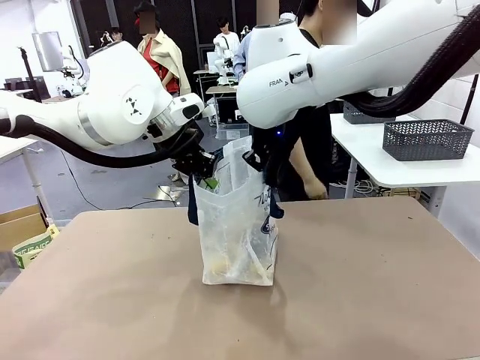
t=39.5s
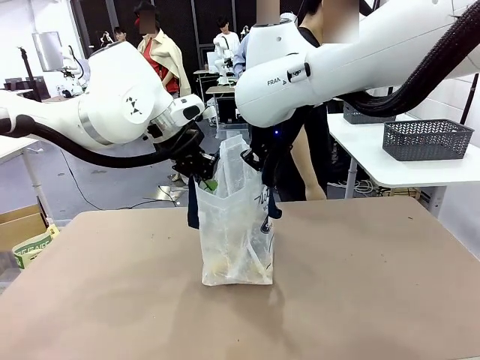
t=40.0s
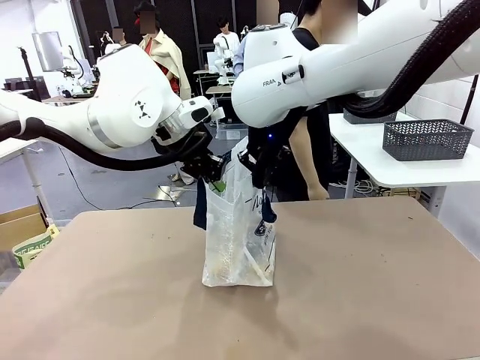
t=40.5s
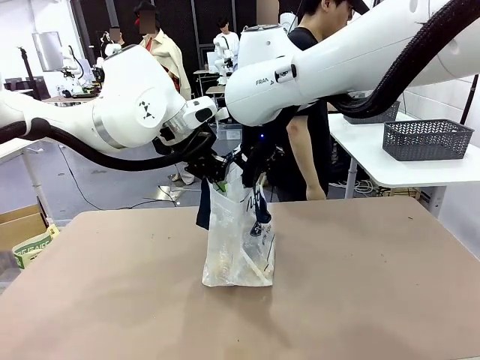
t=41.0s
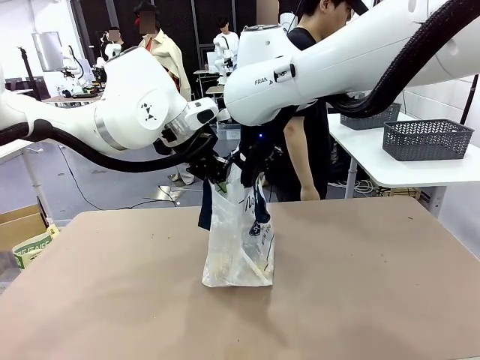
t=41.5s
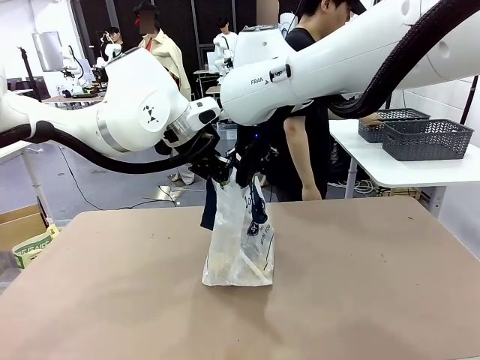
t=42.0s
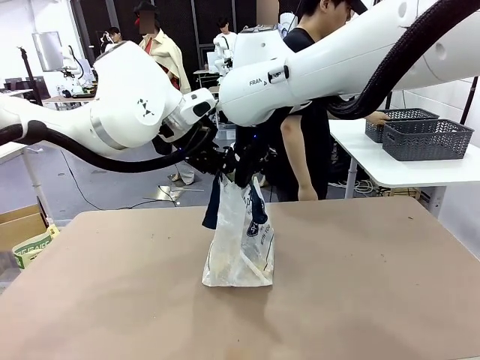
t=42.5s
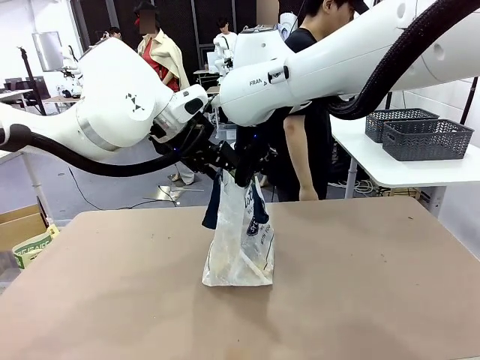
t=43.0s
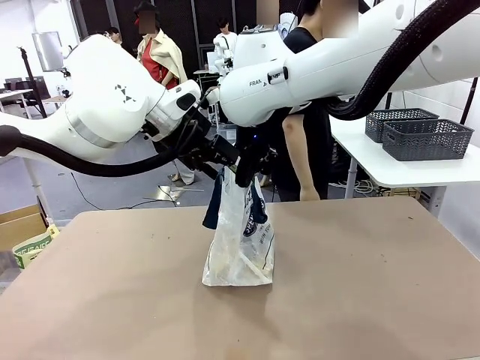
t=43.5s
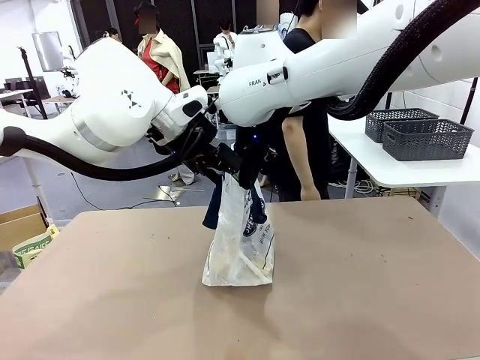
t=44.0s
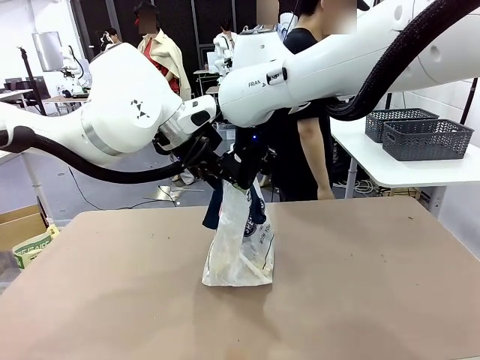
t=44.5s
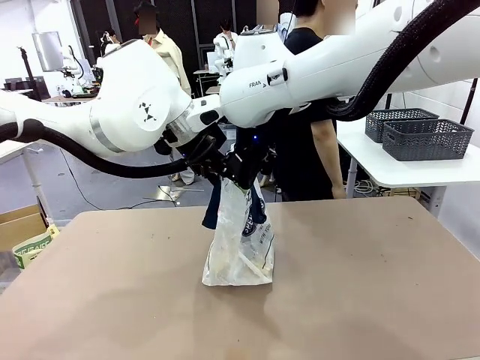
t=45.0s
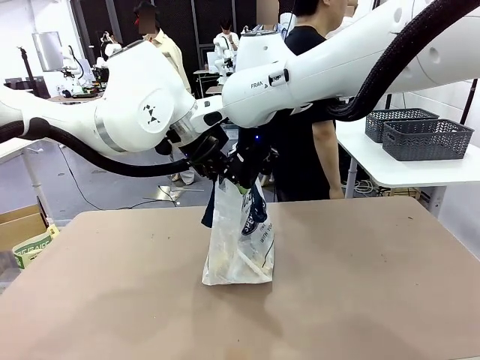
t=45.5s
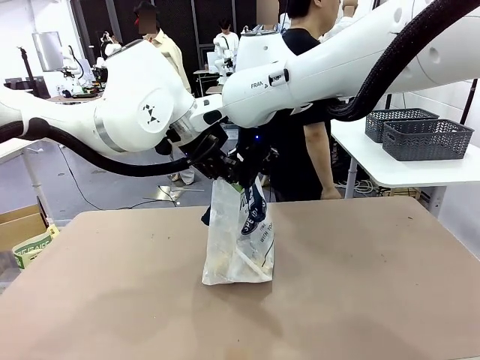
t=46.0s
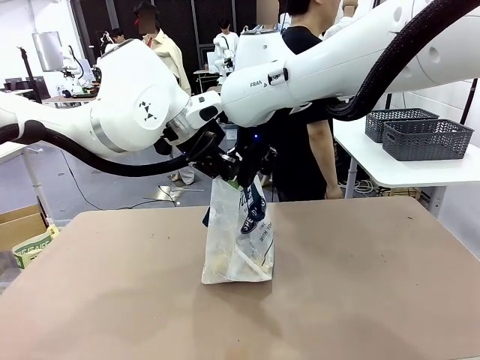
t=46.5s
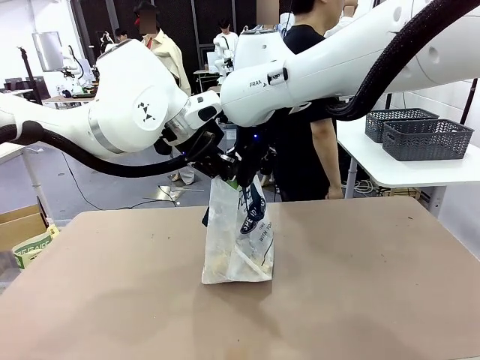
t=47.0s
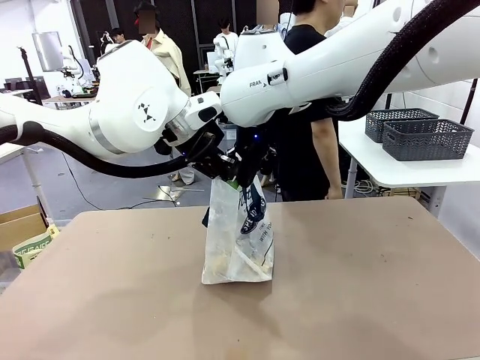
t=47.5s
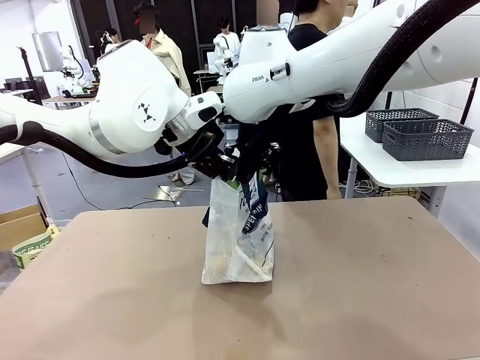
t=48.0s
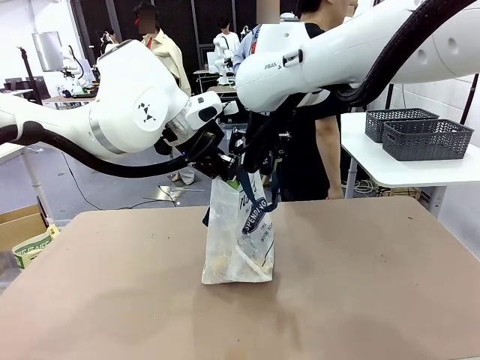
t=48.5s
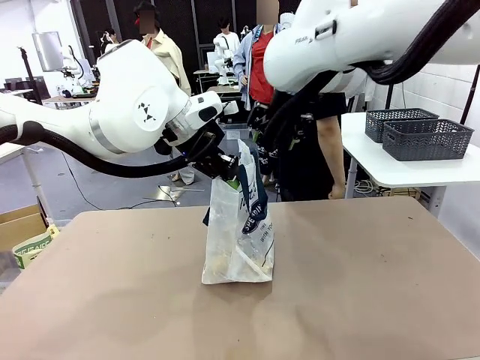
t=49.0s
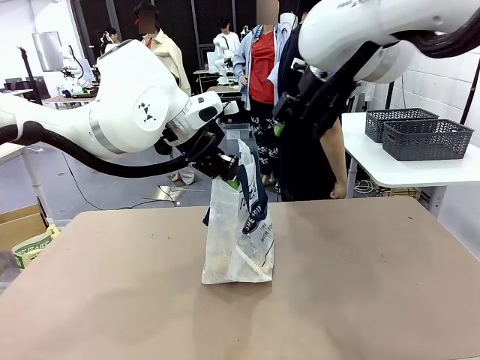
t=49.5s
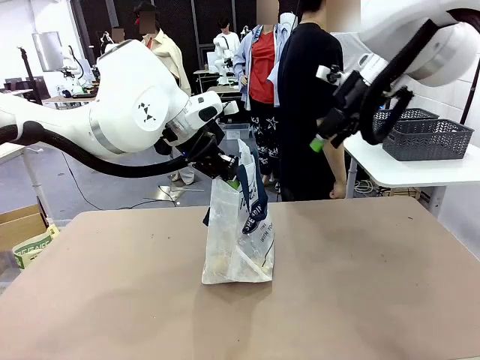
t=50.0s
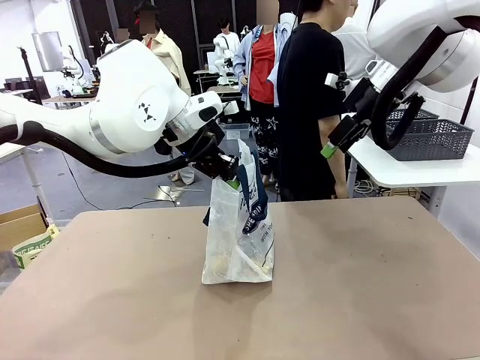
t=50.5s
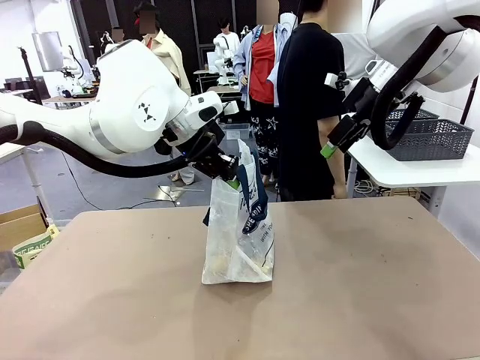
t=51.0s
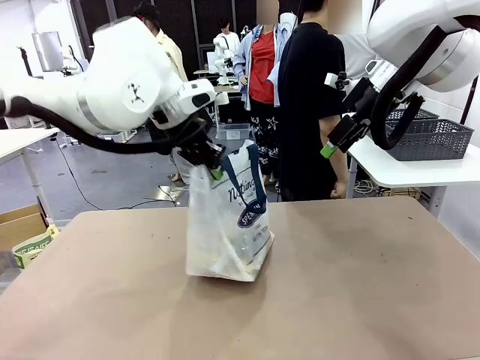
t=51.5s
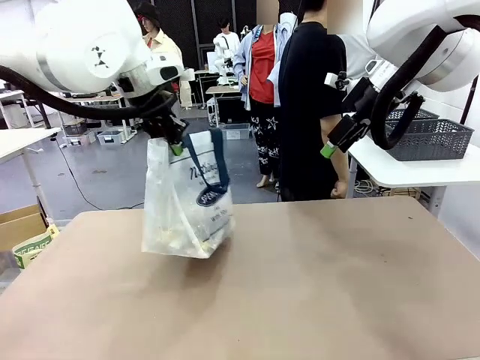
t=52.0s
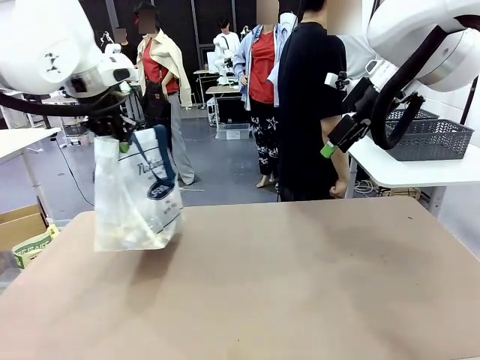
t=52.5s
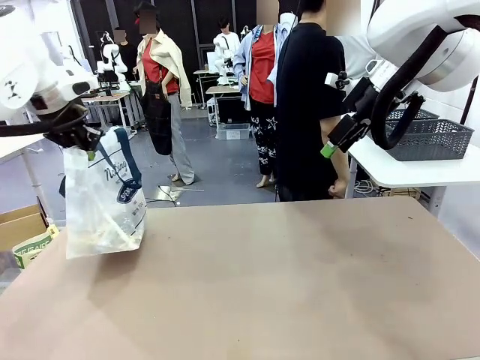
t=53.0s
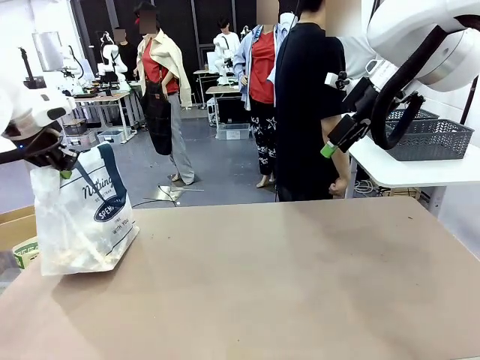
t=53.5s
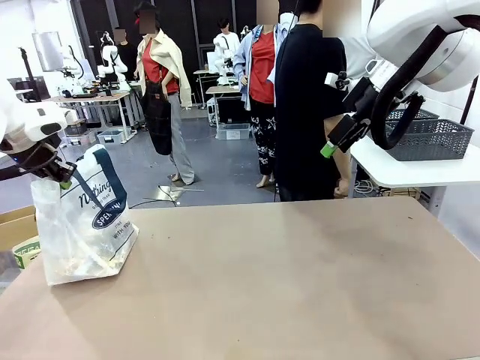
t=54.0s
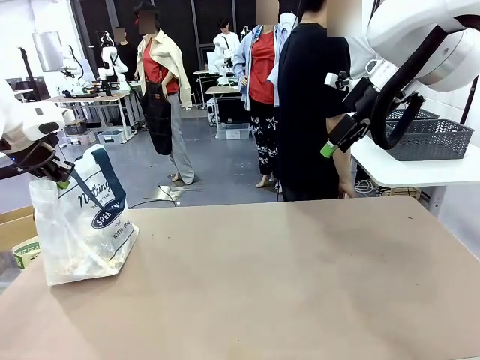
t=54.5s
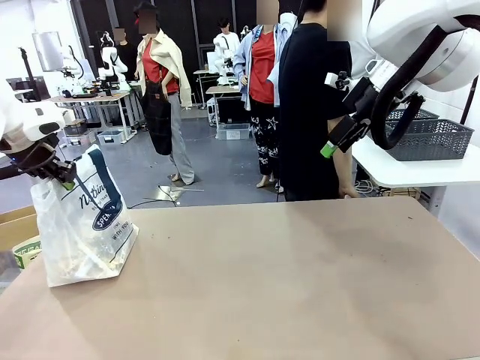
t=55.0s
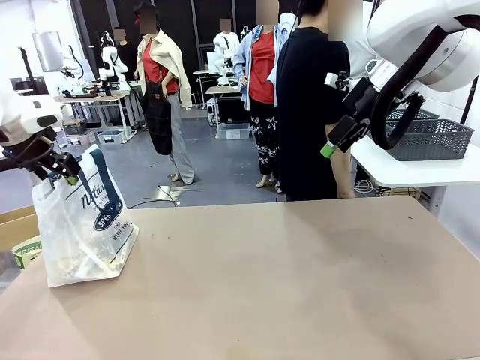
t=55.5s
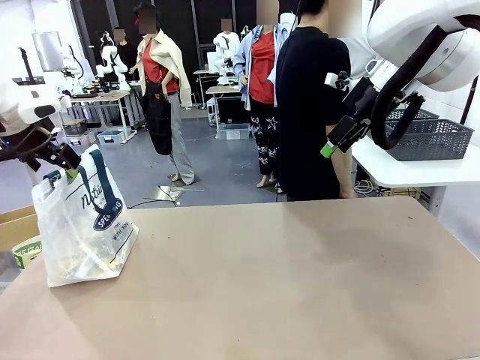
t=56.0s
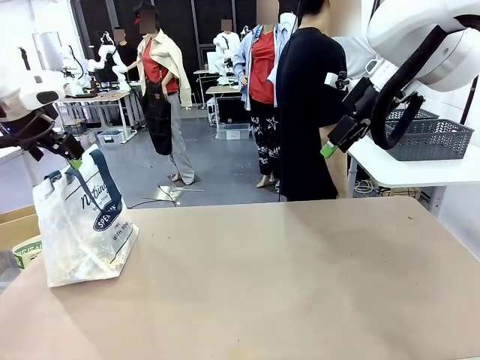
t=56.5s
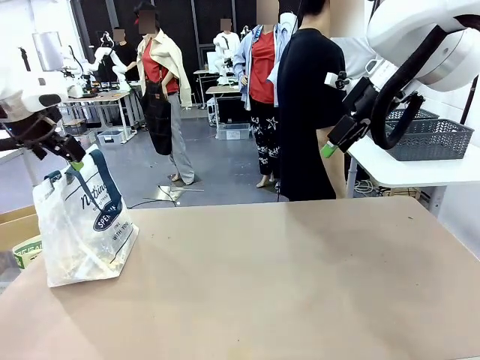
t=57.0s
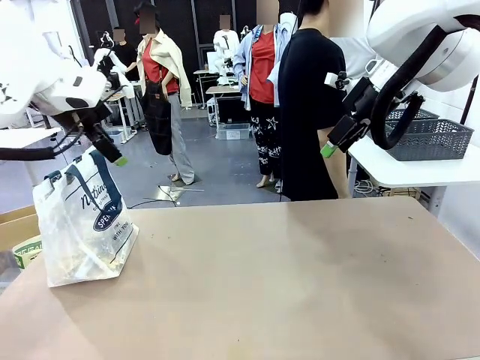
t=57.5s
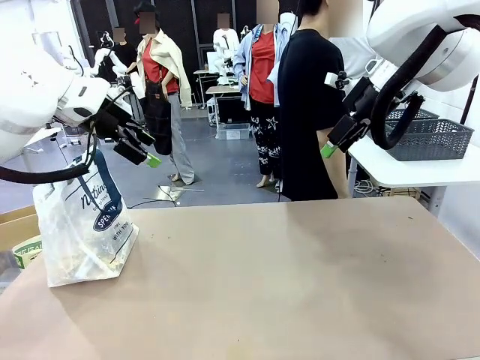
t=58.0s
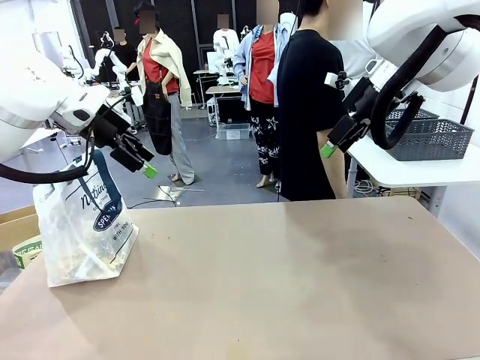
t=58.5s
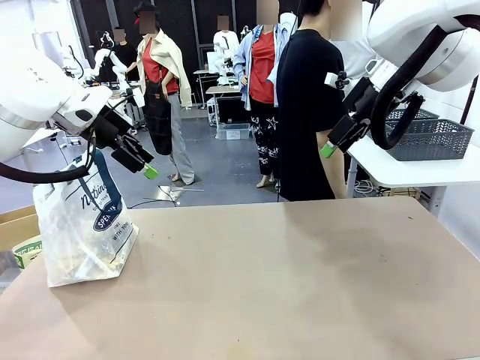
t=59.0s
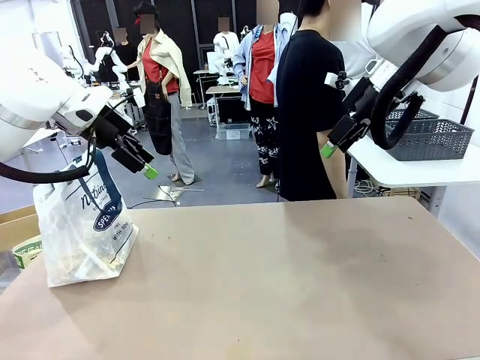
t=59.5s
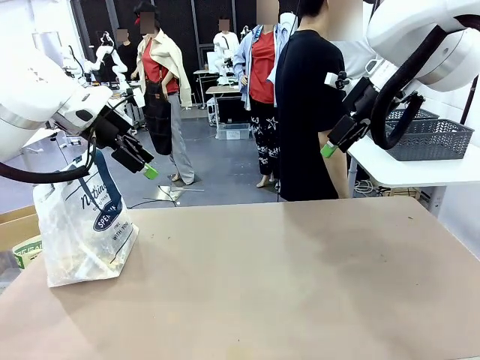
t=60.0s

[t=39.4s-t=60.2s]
Task: Transfer purchased items from the store into the shopping bag.
Robot: Move the Reusable shopping bag to the right side of the table.
Person: Move the basket on the left to the middle of the person's table.

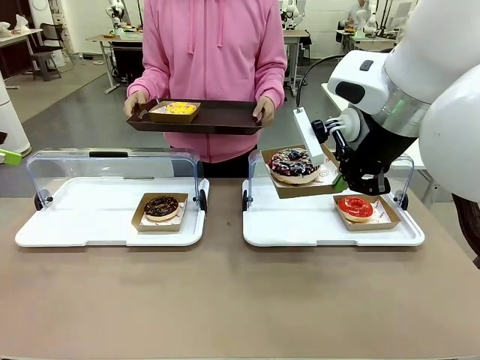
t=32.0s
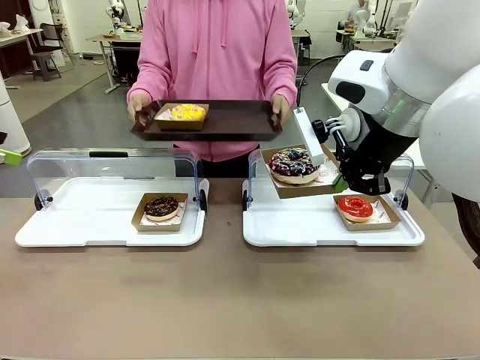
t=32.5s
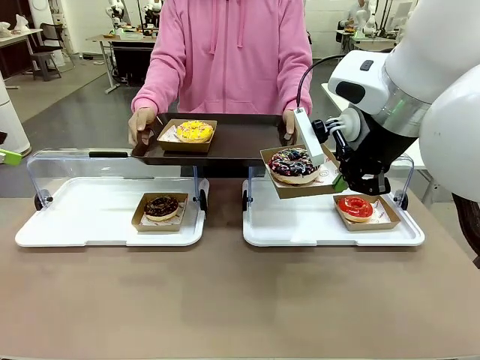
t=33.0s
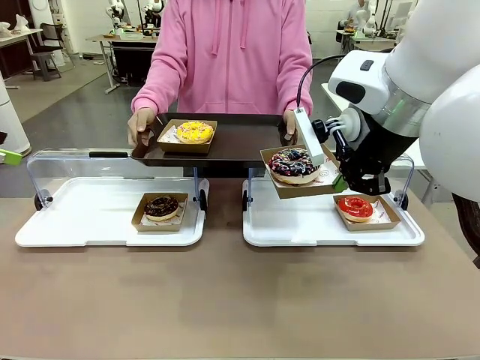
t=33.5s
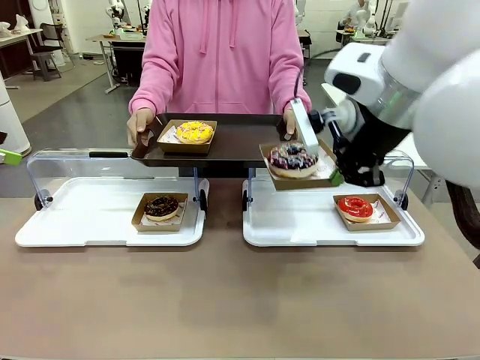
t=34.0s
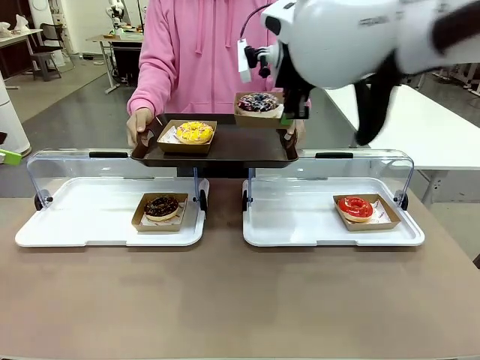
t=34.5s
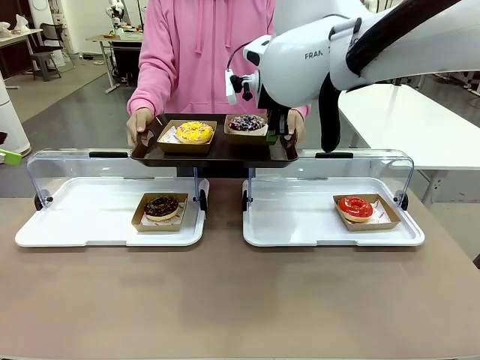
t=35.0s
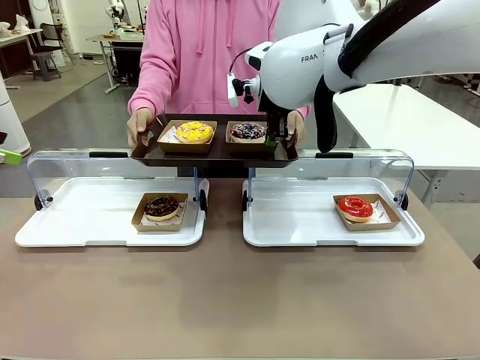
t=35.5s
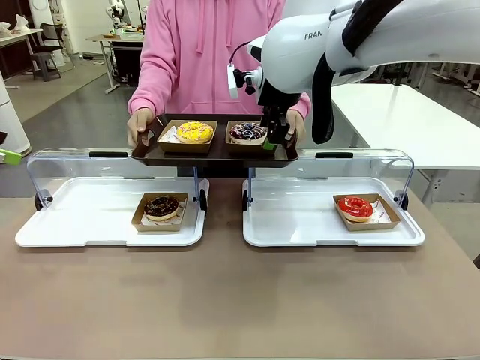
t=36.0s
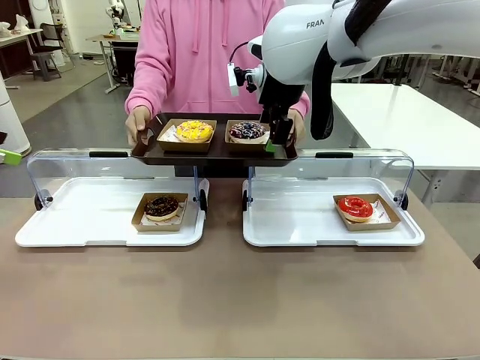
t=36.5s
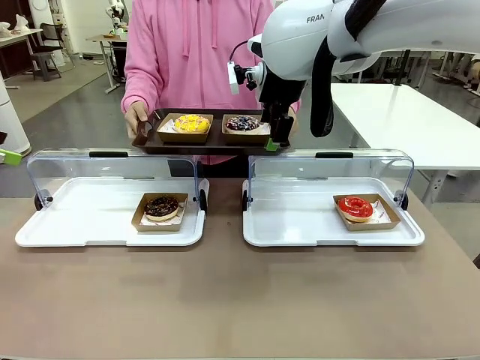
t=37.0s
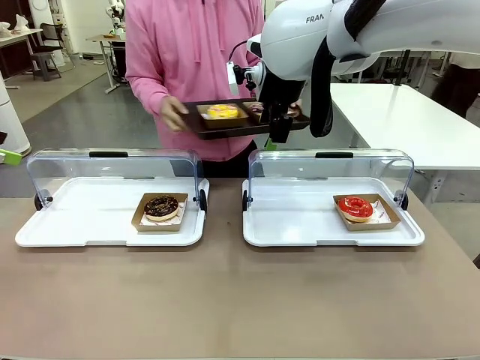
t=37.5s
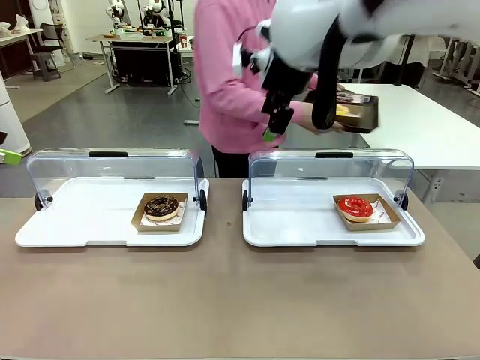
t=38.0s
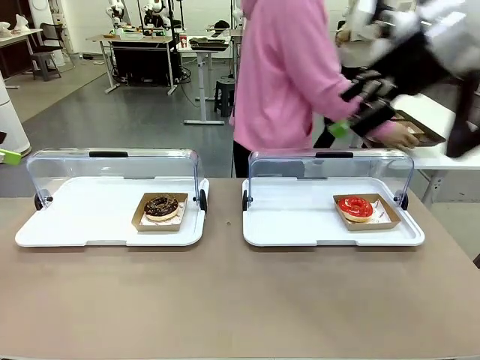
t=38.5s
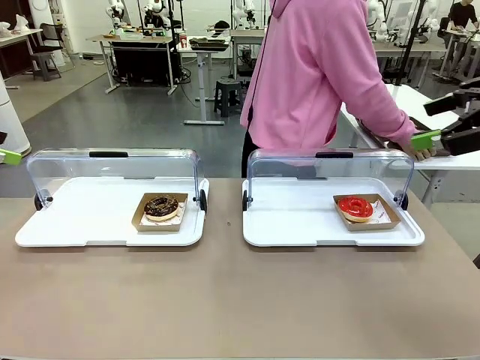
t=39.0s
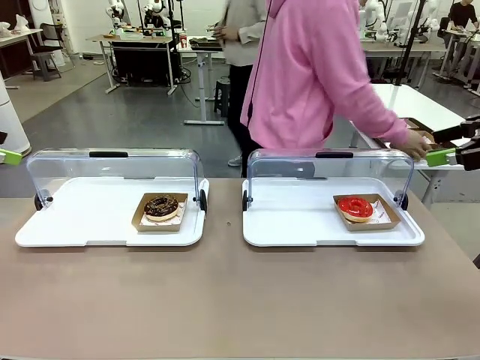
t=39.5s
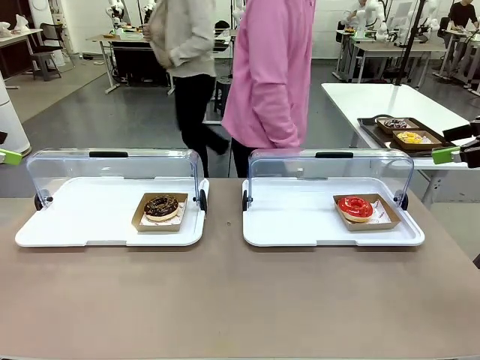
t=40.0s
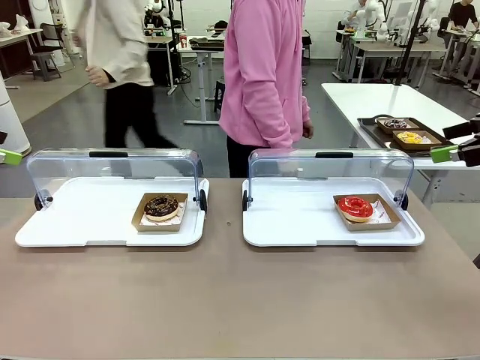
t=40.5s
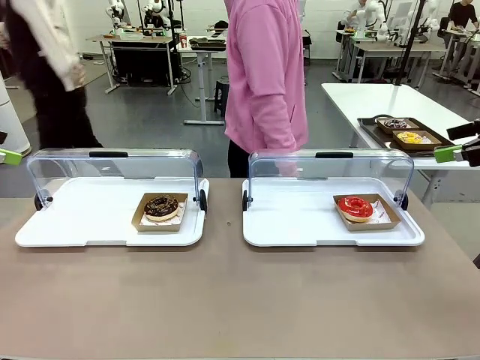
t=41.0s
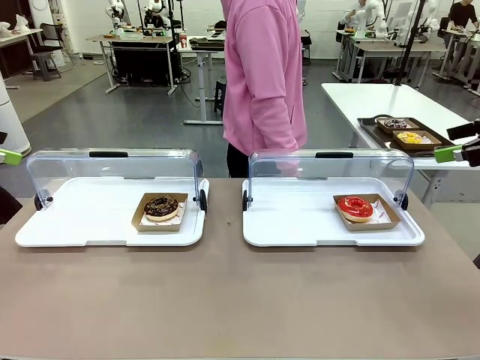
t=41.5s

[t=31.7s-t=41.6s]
Task: Provide the desired donut to the person.
Robot: Place the picked Paper togo box onto the Handle tray extended by the person.
Person: Place the tray in the middle of the human table.
